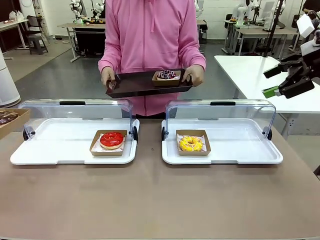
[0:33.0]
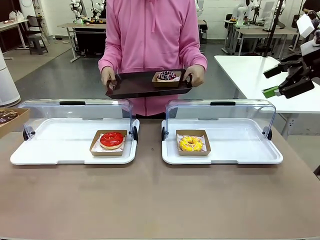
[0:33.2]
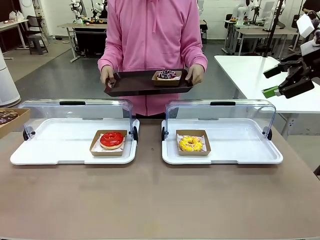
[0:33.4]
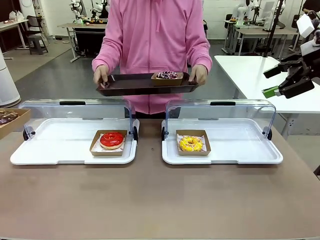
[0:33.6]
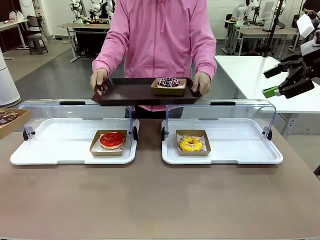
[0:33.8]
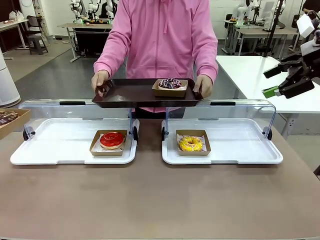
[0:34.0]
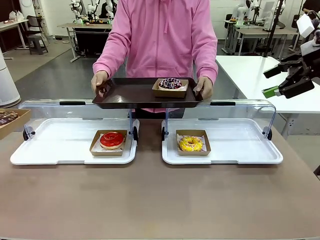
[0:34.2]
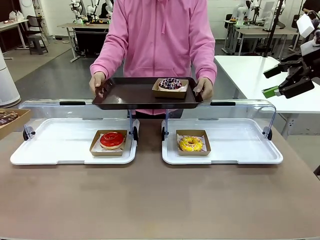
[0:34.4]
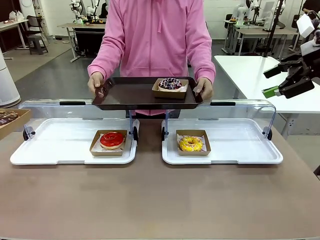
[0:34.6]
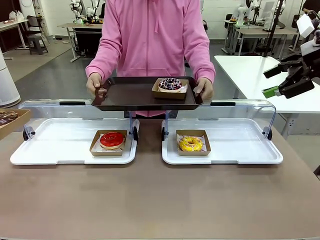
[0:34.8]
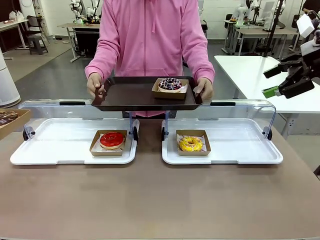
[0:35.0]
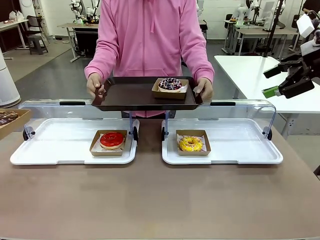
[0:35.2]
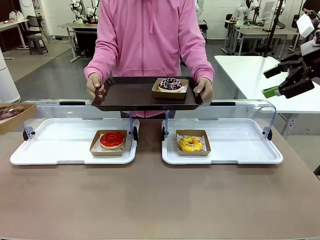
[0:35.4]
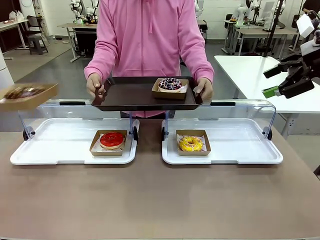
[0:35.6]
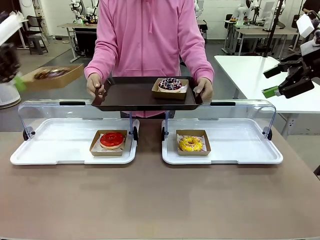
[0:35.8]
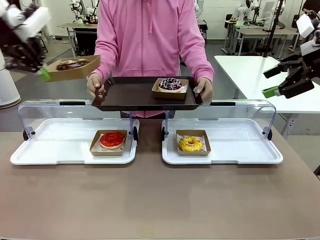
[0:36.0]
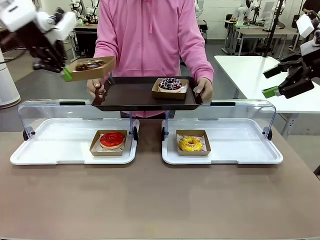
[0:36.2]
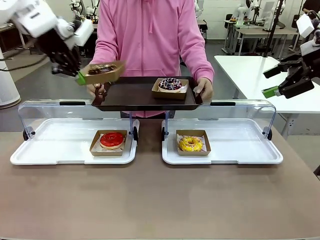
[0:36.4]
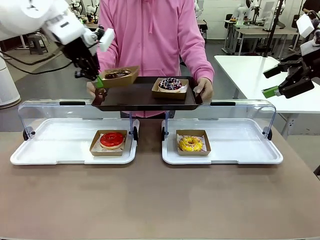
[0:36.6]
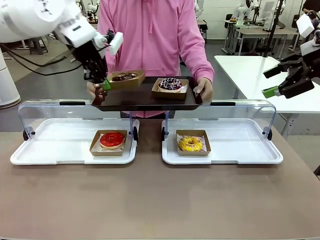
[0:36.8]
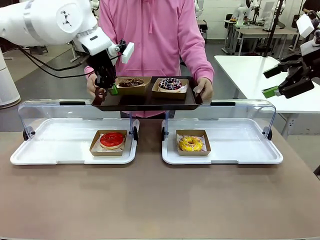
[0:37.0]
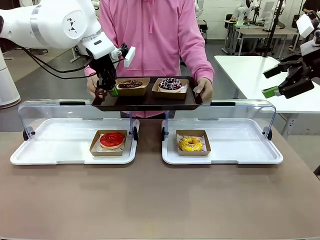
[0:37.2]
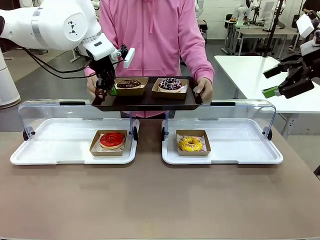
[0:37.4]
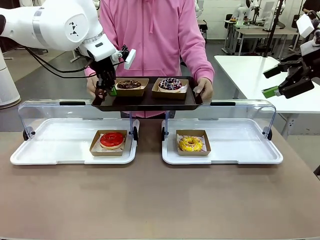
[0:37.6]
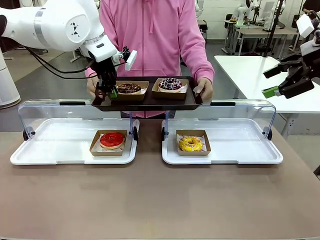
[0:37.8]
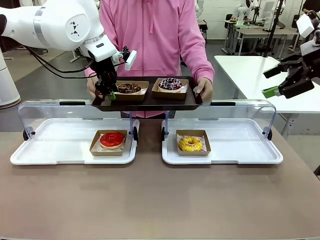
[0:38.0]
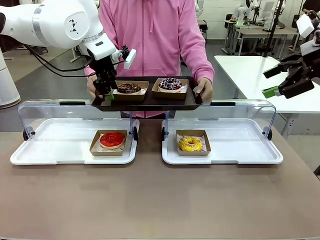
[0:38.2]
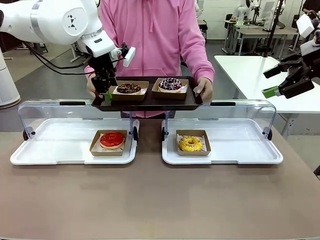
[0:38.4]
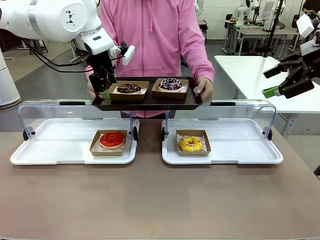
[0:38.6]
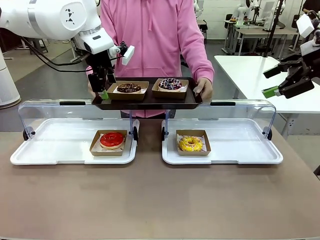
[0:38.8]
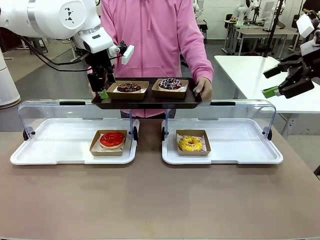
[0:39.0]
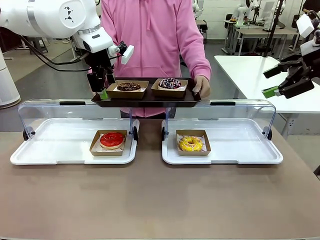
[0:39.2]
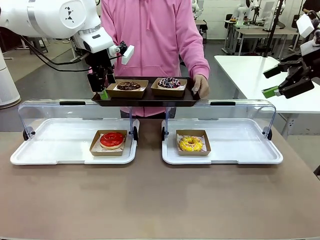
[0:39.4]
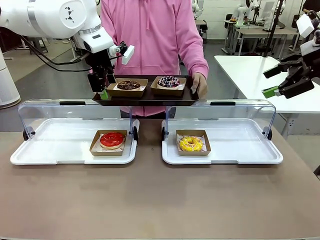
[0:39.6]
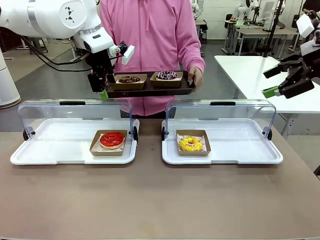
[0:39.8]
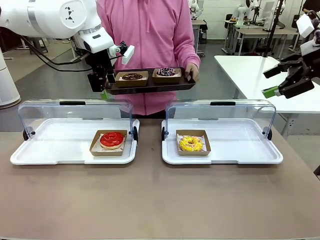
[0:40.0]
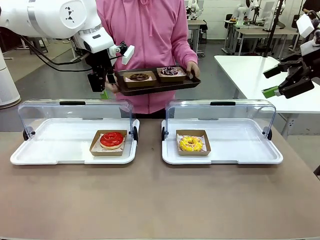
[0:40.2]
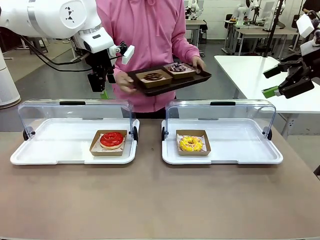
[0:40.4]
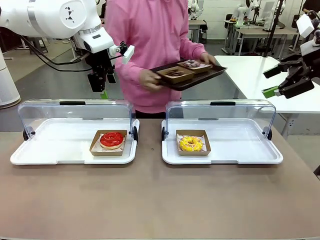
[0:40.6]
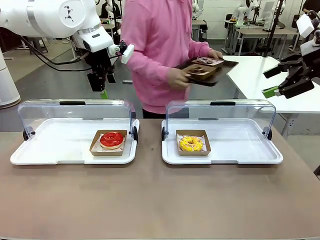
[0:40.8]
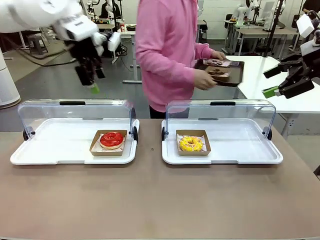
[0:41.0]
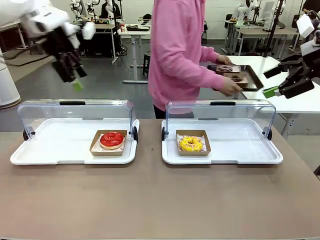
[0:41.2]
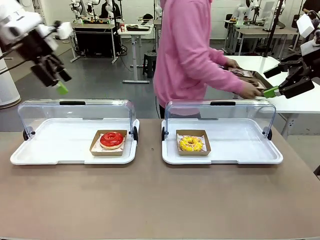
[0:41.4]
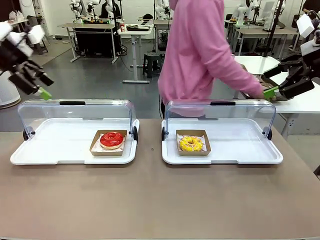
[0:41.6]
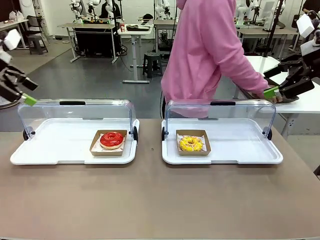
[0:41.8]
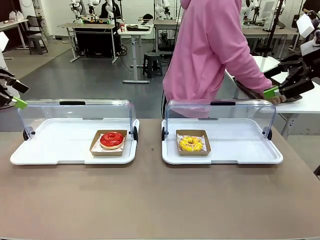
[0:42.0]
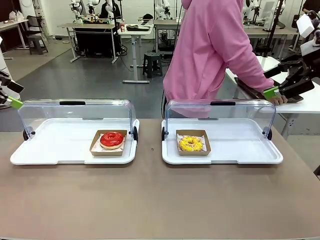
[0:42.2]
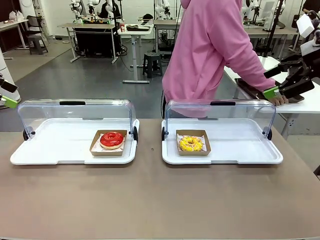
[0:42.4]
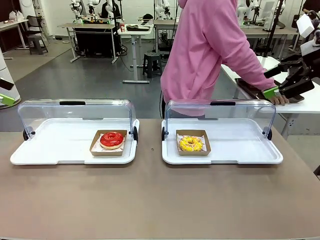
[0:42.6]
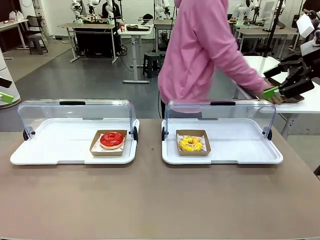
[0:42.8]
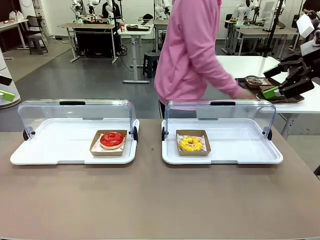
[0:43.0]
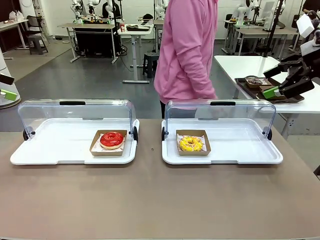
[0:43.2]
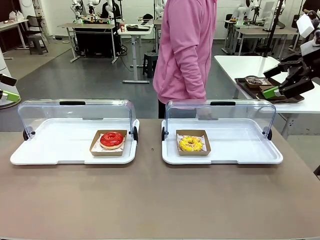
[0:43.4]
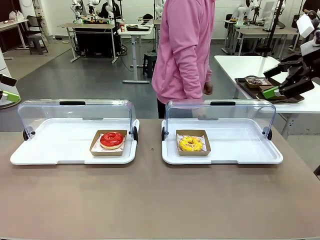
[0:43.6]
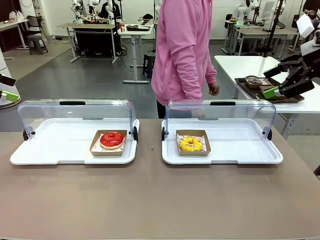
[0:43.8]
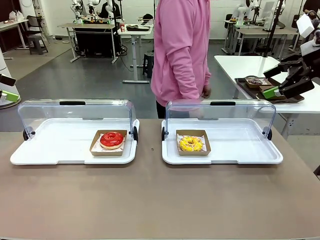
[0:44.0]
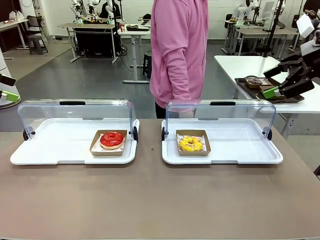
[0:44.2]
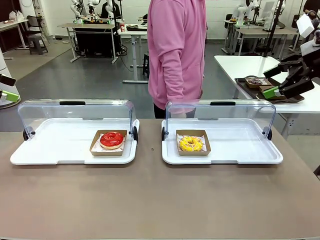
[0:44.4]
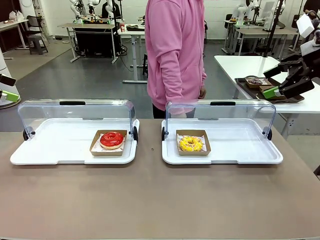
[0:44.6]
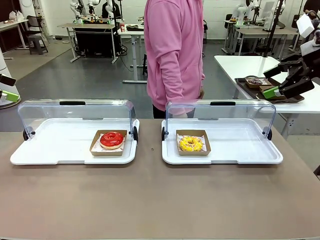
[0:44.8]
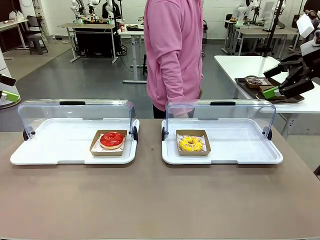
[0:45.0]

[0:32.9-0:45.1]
Task: Provide the desired donut to the person.
Robot: Place the picked Paper togo box onto the Handle tray extended by the person.
Person: Place the tray in the middle of the human table.

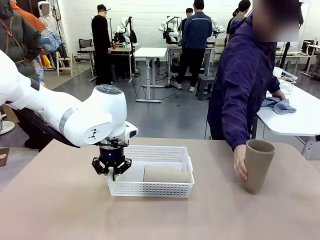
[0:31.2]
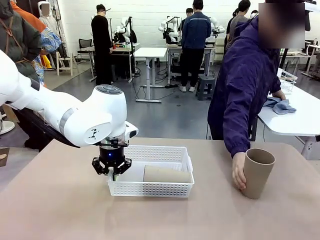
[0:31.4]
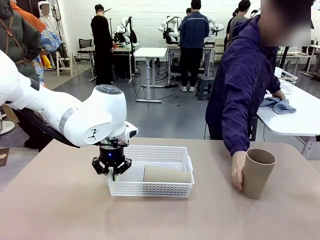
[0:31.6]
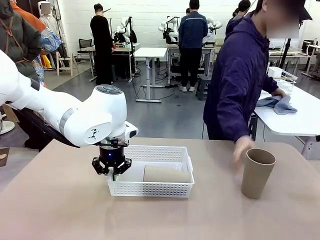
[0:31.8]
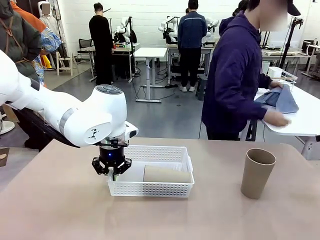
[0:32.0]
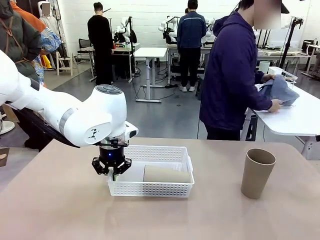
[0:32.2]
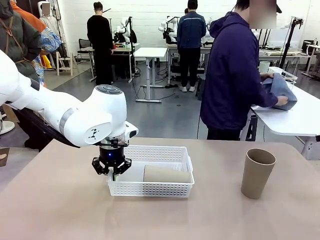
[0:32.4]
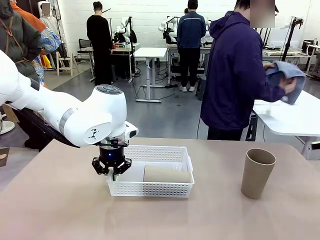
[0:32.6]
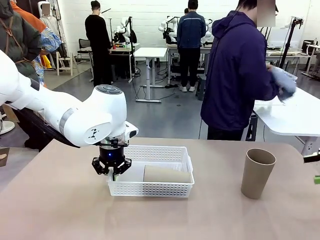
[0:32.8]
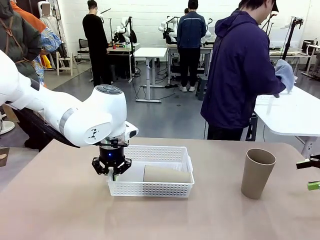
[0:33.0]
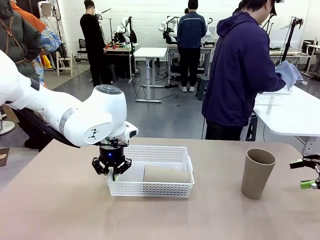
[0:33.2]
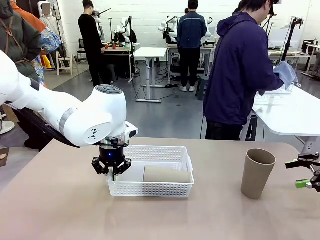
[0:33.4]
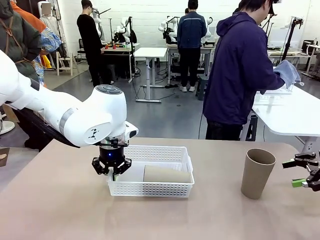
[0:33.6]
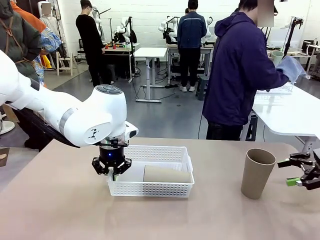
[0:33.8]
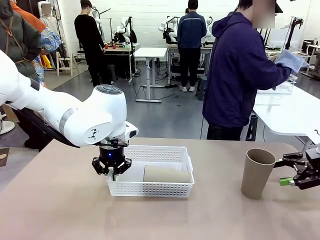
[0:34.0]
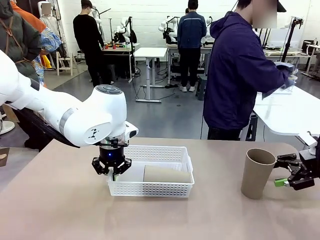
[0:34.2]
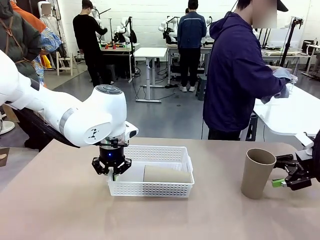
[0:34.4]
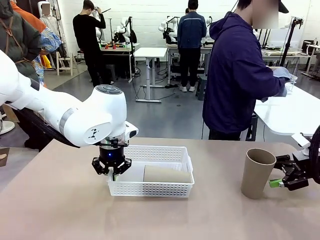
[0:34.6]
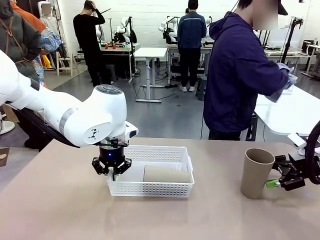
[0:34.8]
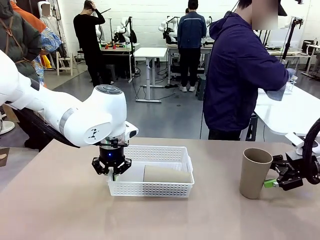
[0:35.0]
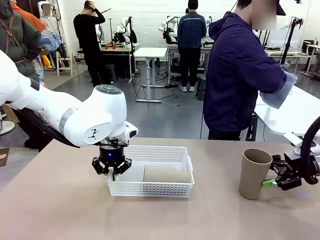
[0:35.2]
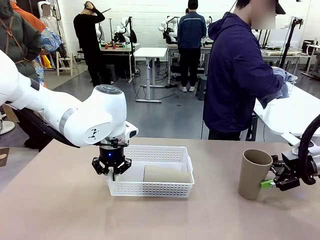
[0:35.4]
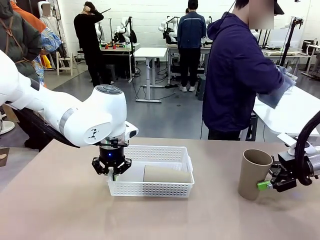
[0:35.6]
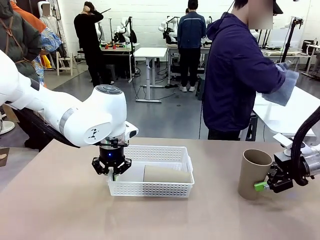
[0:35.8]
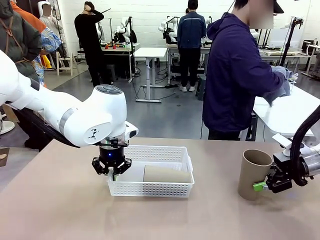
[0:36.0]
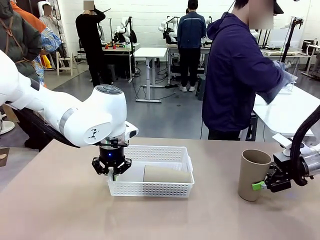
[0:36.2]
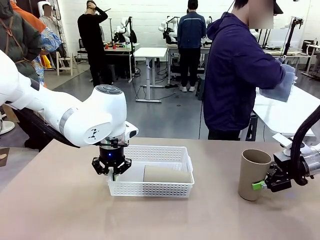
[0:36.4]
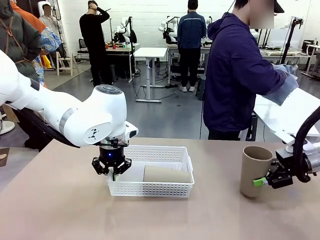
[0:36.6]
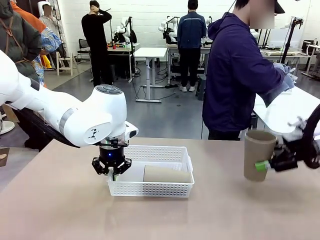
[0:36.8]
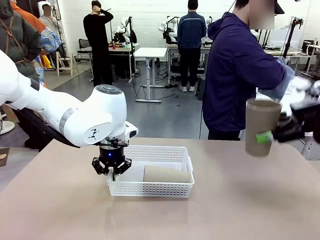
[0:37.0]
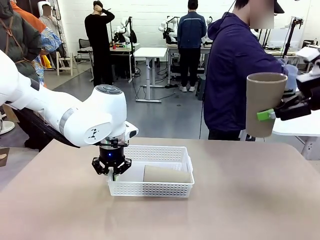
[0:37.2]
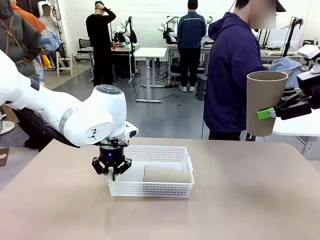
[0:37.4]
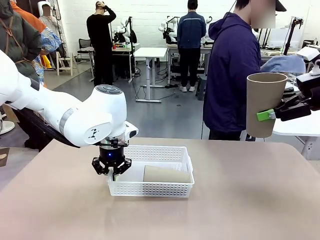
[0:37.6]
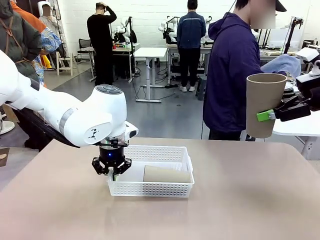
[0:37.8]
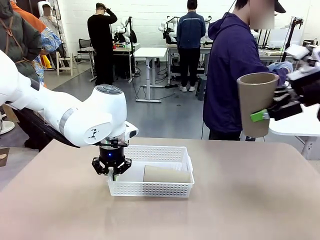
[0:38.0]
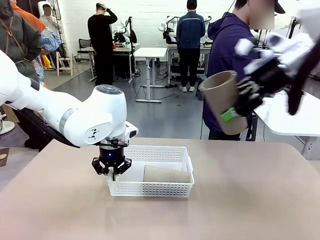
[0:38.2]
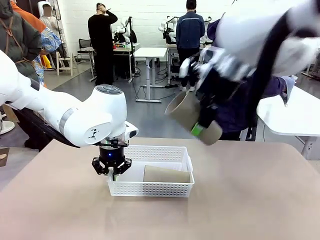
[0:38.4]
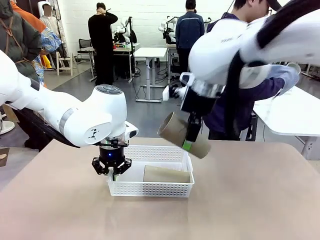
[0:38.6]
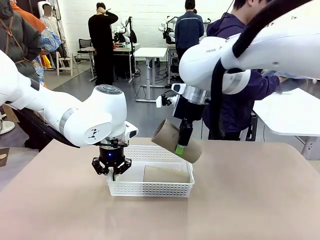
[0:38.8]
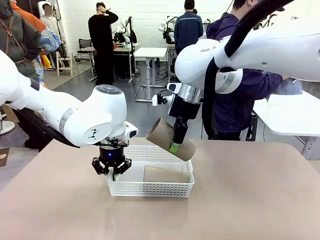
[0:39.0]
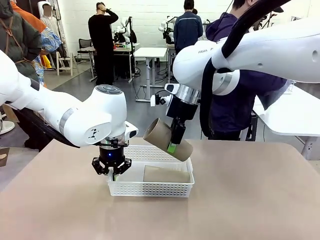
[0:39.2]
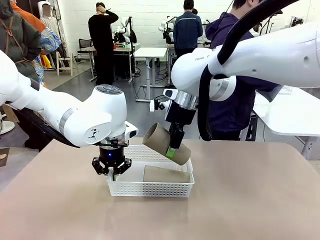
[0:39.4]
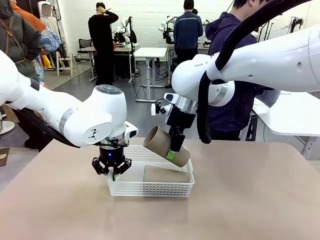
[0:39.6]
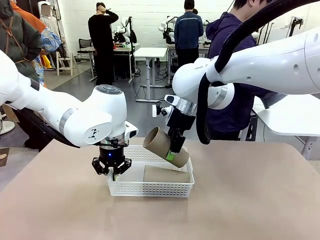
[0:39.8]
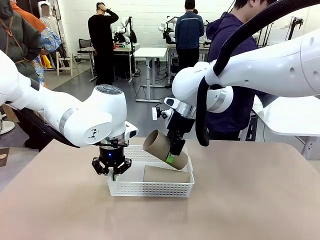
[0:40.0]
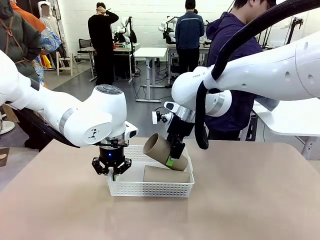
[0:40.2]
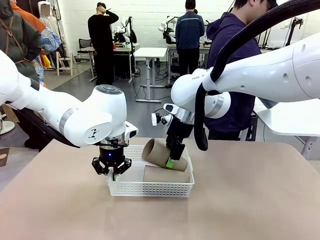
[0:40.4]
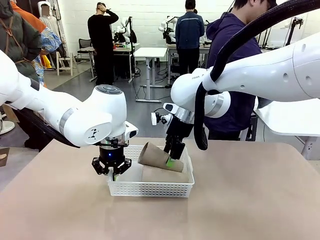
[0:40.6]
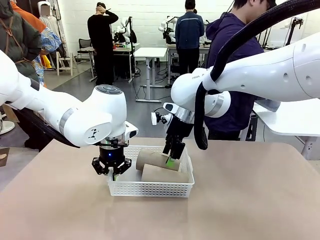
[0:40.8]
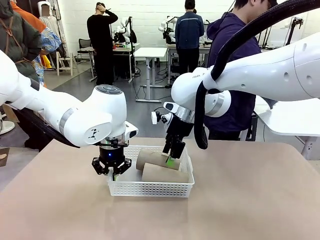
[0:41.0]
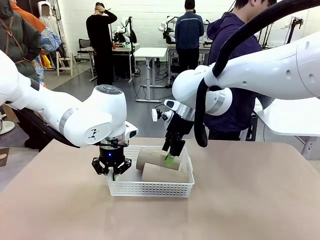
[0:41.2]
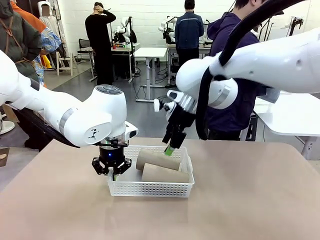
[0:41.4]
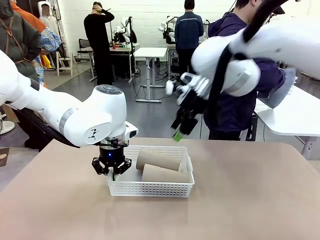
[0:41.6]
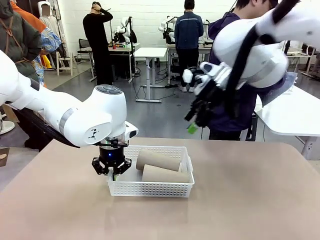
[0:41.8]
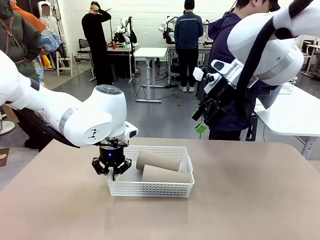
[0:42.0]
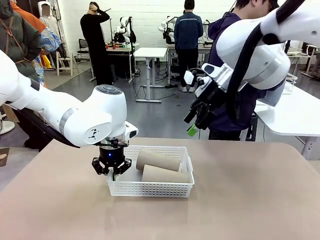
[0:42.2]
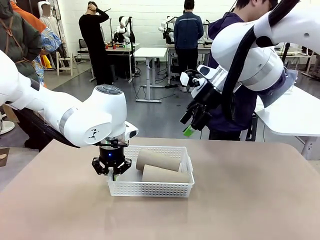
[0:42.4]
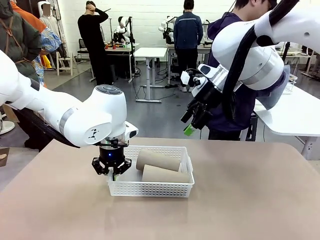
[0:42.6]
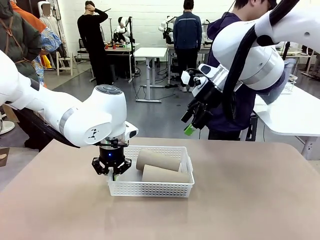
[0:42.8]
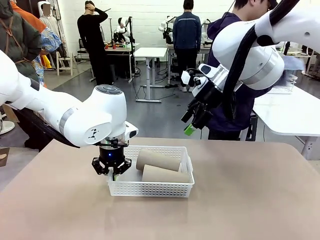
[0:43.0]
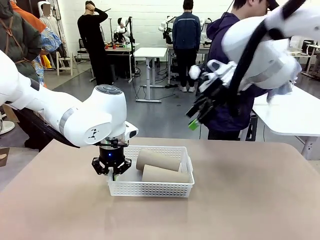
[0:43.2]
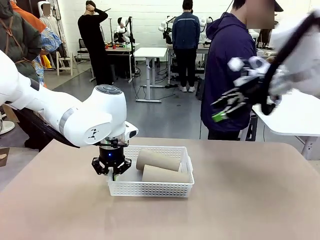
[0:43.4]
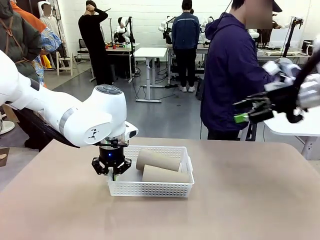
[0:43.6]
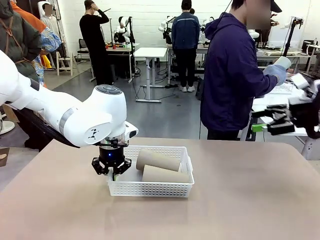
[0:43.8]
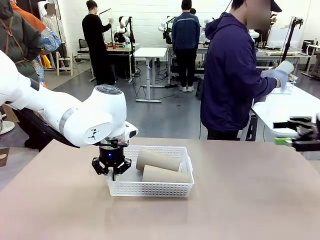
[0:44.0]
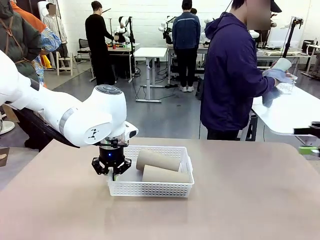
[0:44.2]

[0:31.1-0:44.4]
Task: Clean and organize the cups into the basket.
Robot: Pick up the Reusable plastic cup from the right side of the table and stack it inside the Organizing basket in the center of the table.
